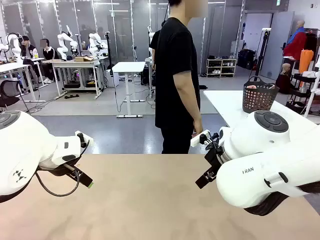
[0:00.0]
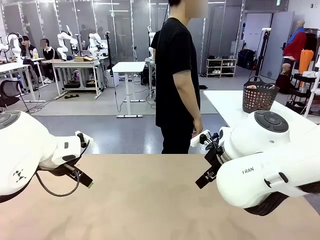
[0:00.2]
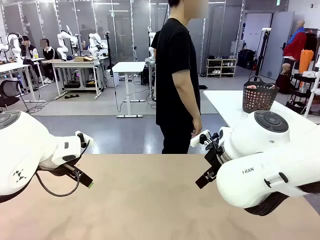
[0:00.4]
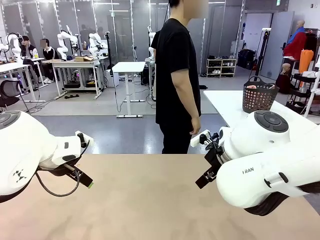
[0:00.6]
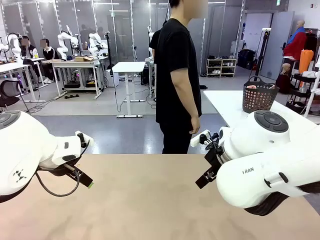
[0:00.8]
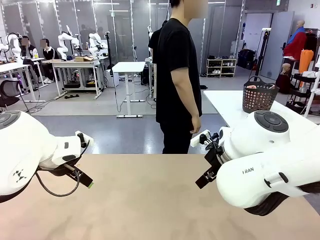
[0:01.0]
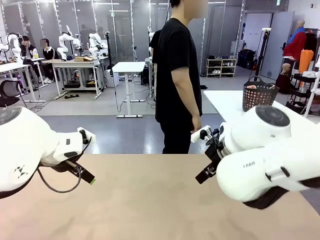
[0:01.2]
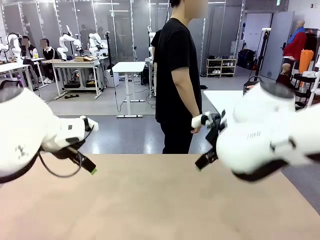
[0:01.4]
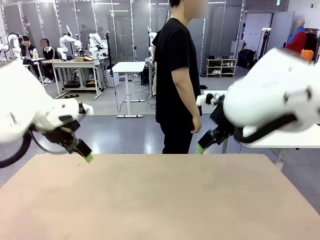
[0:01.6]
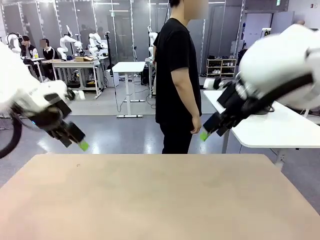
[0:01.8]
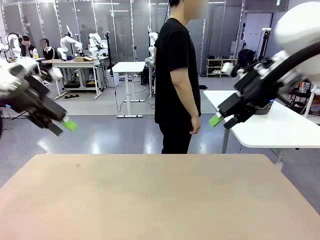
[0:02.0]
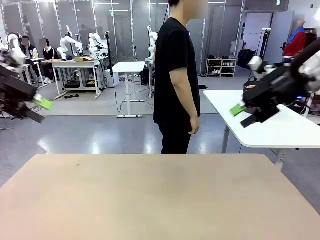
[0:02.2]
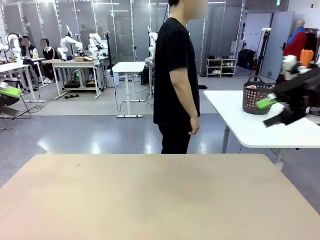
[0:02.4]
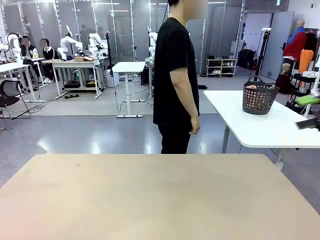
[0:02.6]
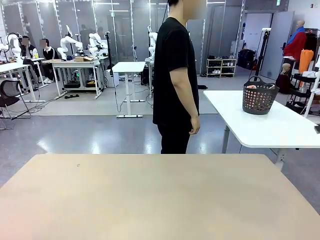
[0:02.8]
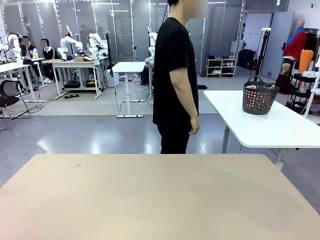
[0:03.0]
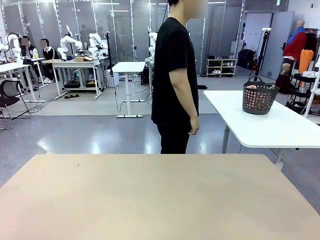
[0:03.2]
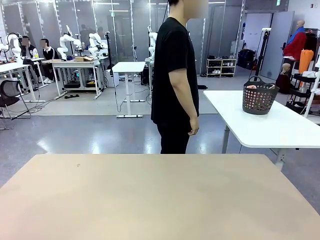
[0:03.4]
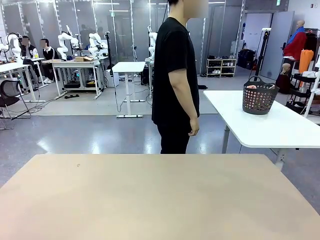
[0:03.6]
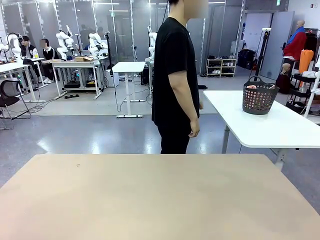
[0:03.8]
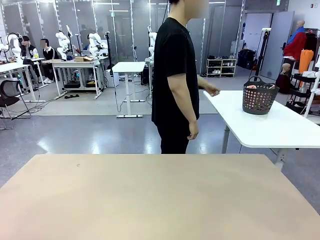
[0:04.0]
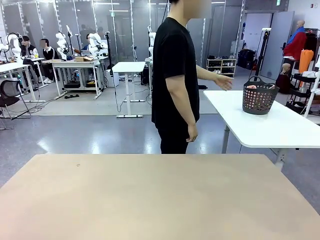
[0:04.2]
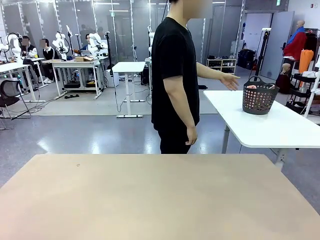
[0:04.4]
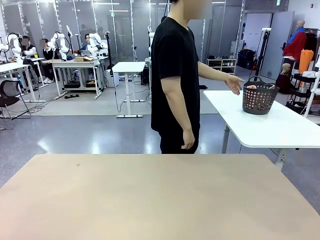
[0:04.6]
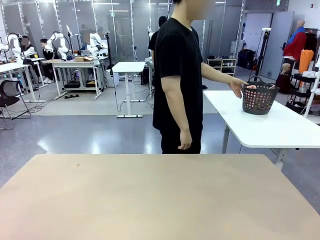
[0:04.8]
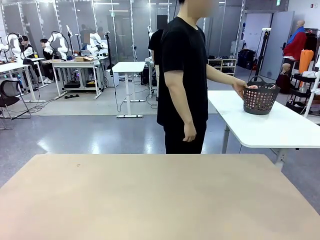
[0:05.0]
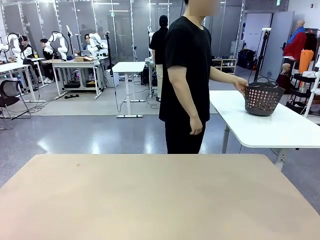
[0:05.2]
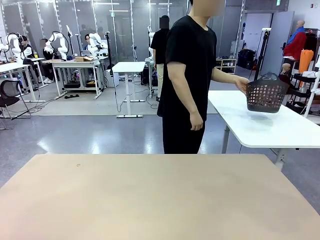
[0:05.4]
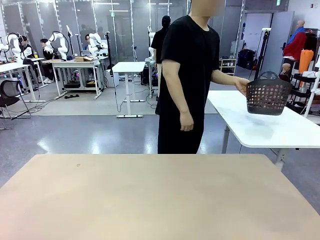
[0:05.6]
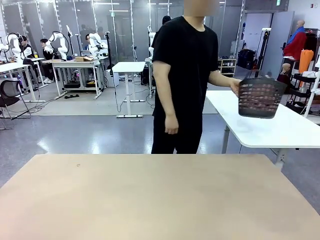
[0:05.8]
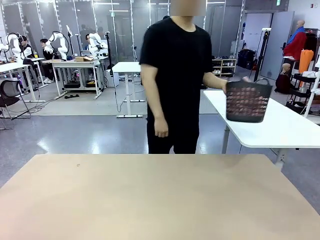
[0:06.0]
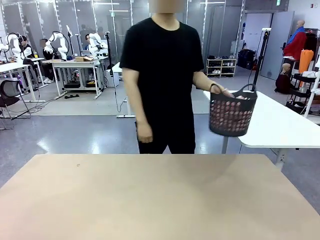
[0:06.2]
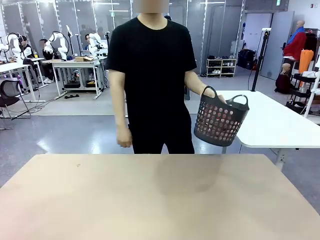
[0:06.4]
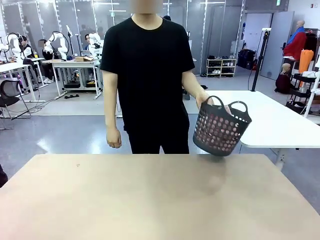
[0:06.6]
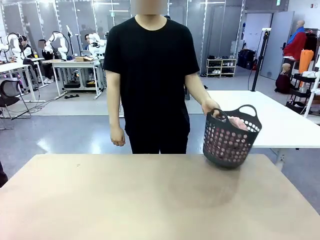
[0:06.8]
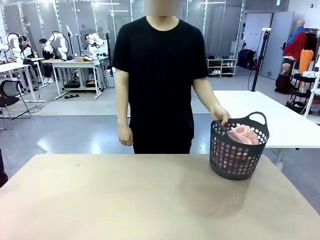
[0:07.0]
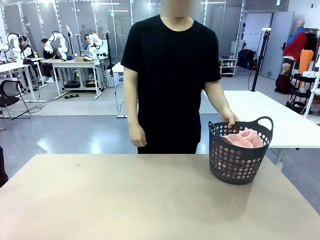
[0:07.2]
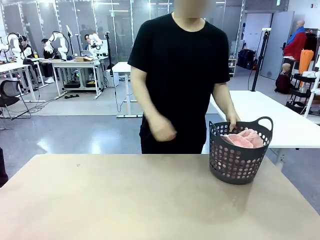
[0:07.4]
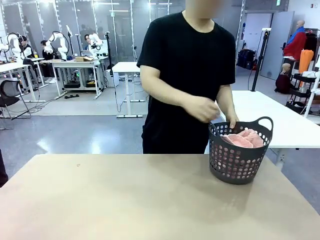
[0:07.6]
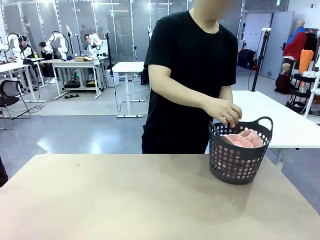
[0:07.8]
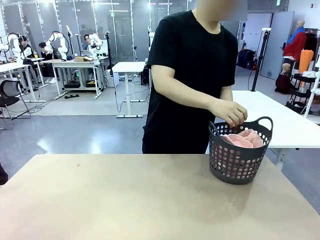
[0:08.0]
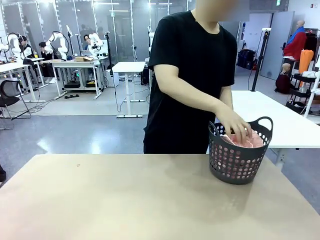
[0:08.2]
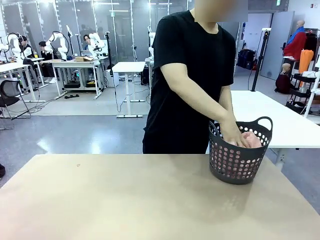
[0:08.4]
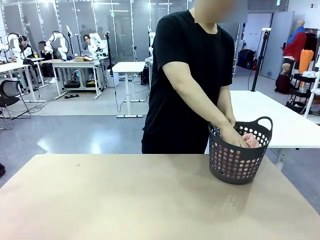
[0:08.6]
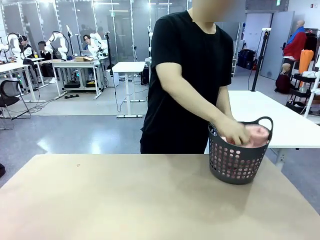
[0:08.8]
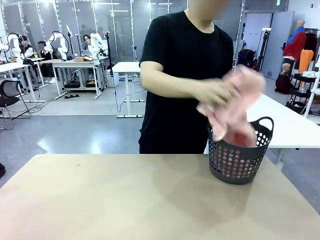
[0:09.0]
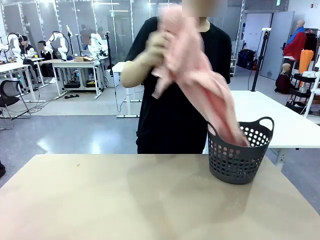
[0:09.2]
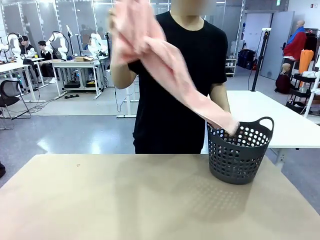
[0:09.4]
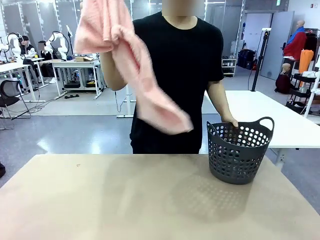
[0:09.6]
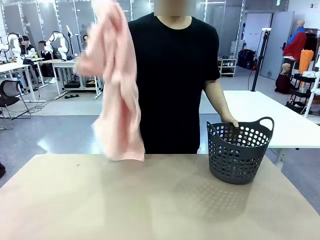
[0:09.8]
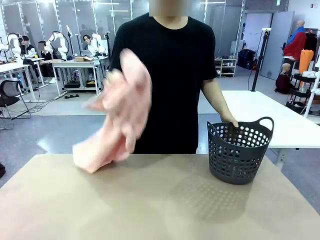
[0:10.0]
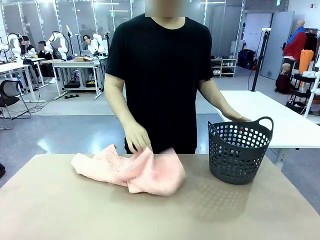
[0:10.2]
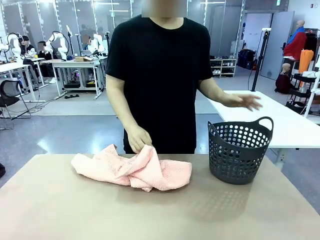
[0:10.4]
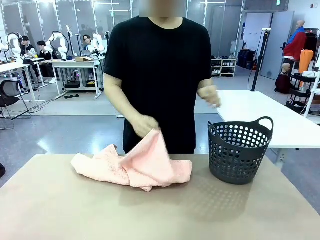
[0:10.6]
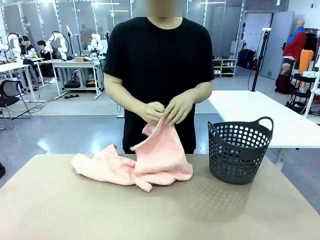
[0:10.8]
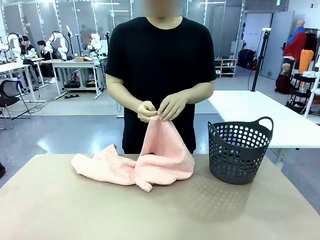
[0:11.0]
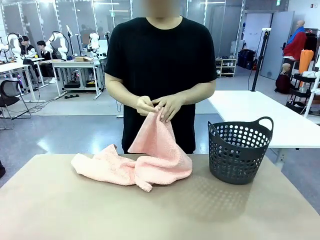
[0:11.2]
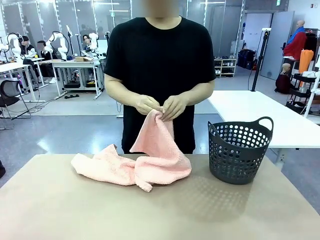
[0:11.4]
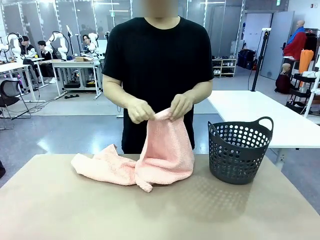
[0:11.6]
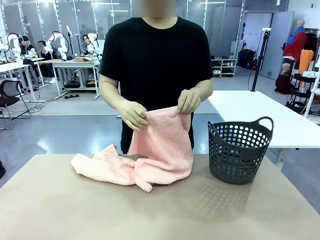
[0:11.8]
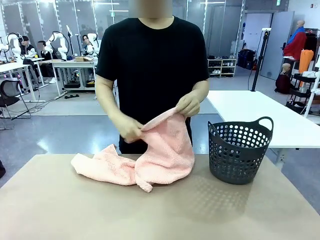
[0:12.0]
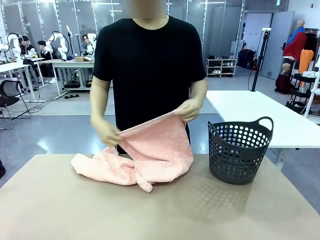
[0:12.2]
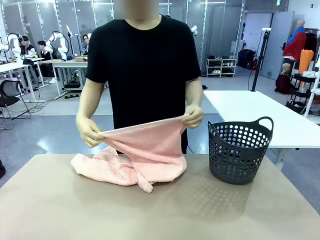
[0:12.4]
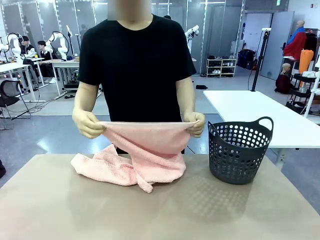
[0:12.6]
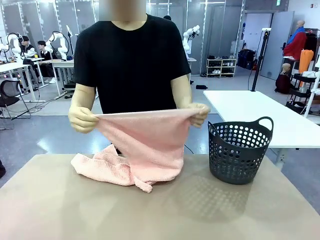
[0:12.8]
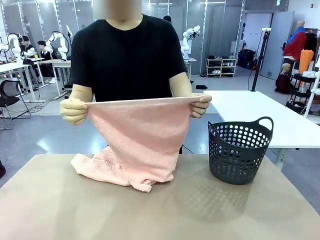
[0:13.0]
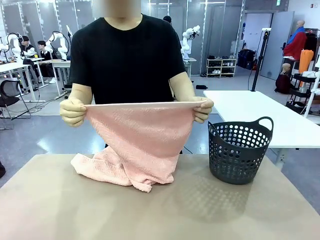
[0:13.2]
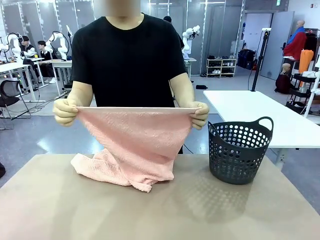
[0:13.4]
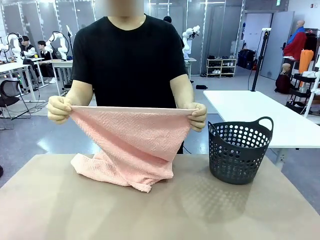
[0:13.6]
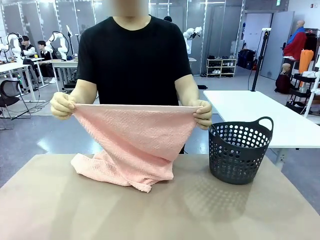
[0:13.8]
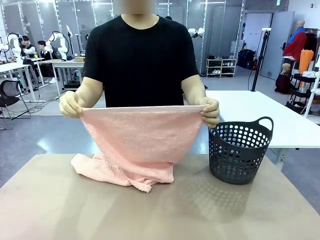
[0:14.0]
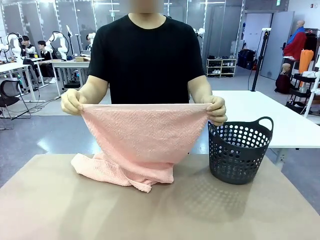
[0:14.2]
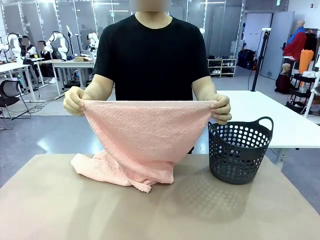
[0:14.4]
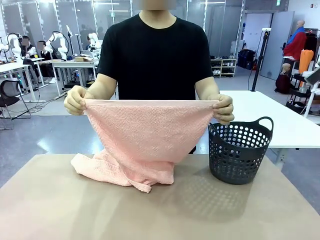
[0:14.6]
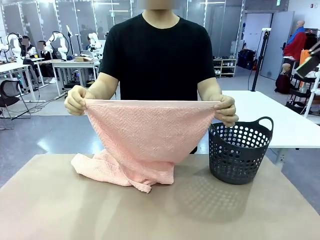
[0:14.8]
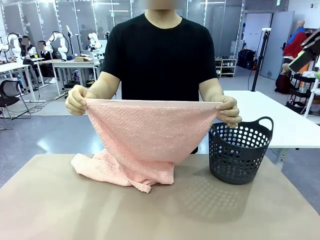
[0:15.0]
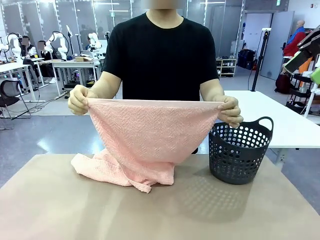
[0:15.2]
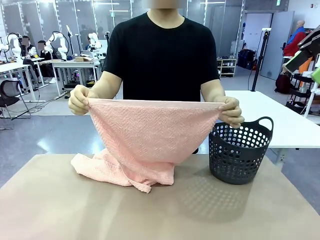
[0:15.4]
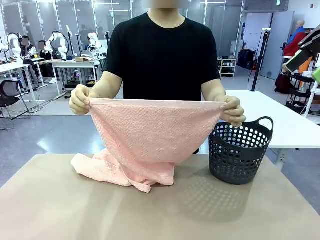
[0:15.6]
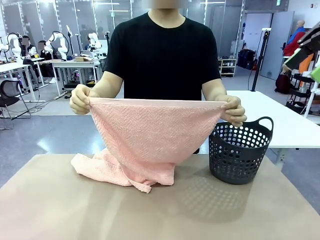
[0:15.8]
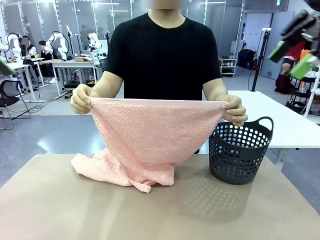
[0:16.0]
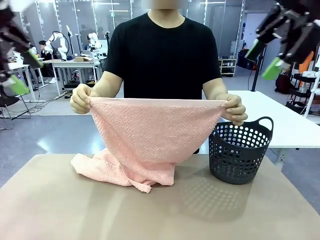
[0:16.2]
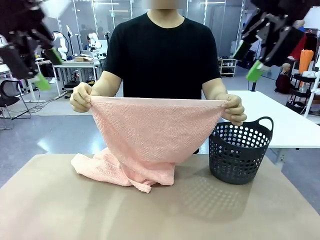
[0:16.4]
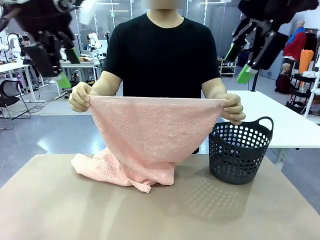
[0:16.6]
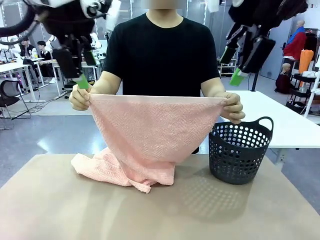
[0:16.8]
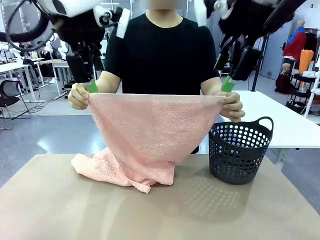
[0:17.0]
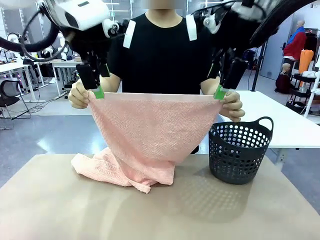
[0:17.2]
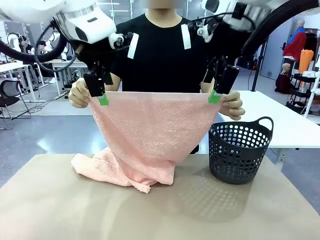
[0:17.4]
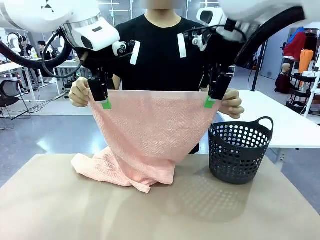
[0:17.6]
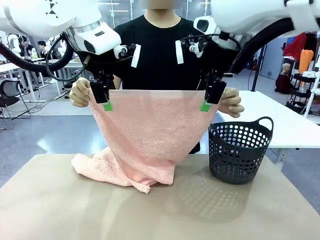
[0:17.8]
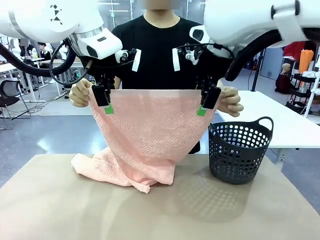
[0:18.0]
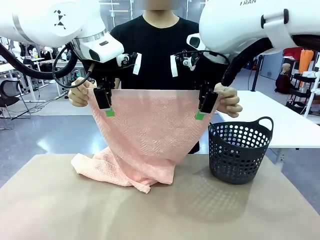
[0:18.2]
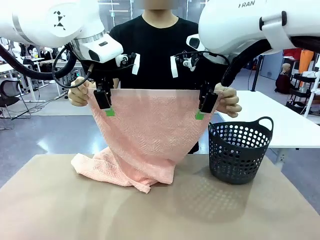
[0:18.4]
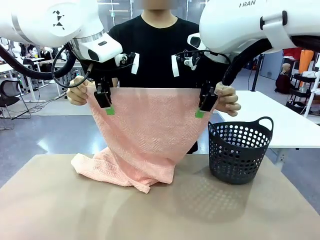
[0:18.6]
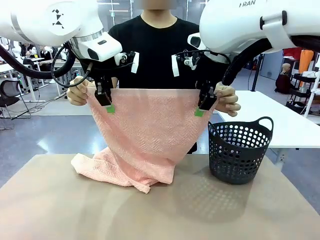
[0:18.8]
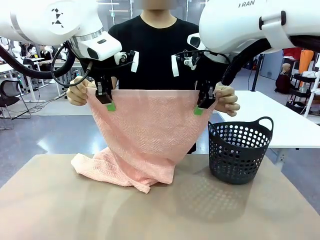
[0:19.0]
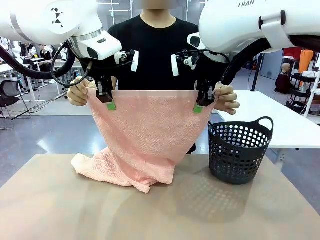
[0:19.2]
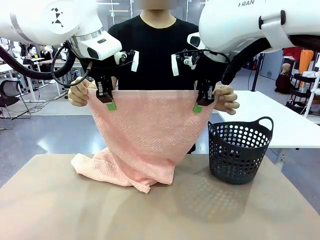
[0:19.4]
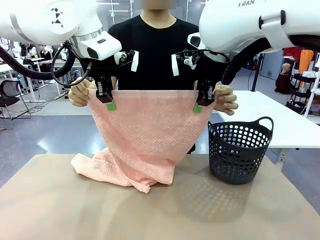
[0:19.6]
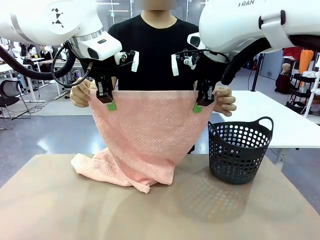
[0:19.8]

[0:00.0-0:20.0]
Task: Fold the towel.
Robot: Grab the top end of the 100 cm Hotel Towel extended by the human.
Person: Pick up the laundry basket, place it on the left side of the robot table, then take out a towel and hand it to the robot while holding both corners of one end.
